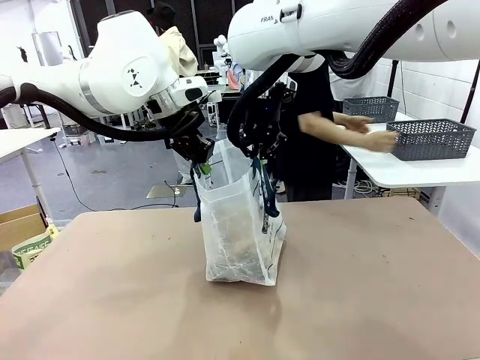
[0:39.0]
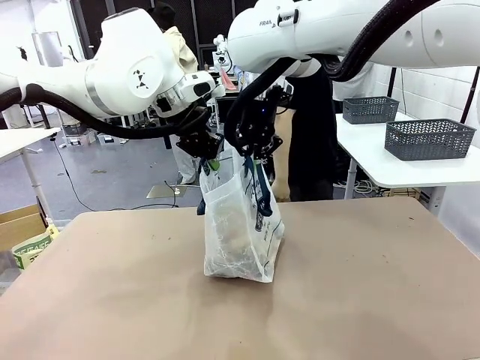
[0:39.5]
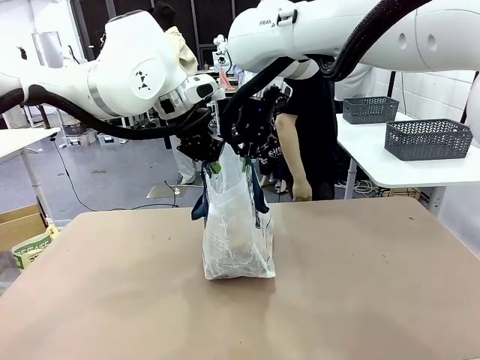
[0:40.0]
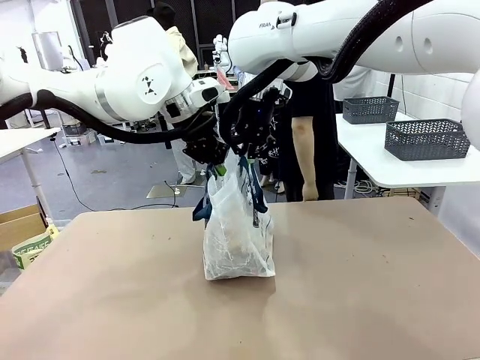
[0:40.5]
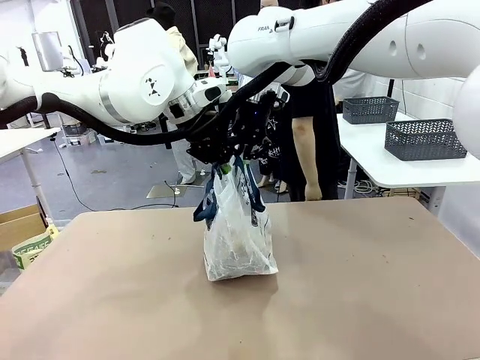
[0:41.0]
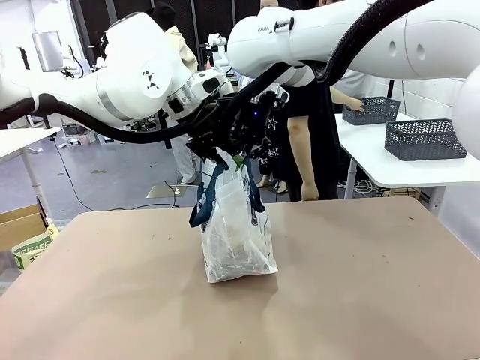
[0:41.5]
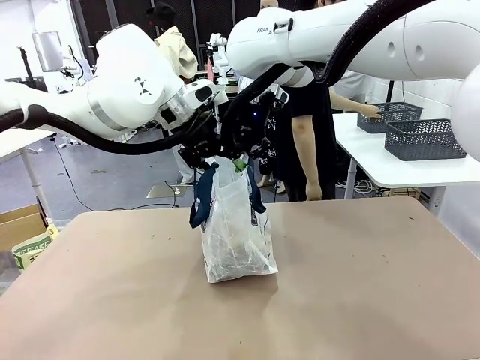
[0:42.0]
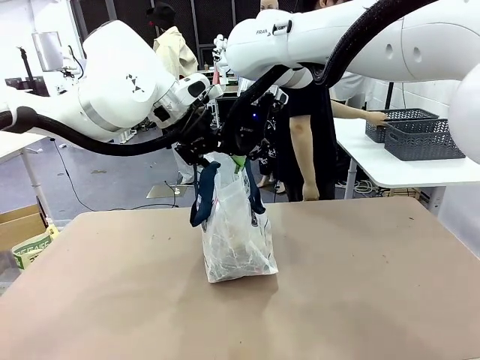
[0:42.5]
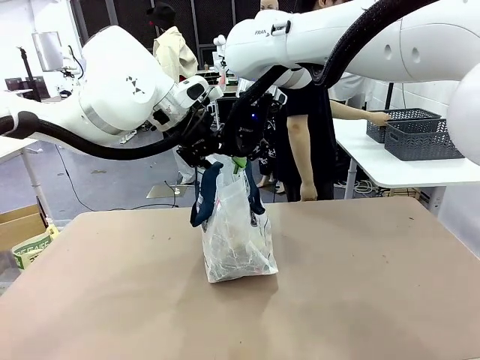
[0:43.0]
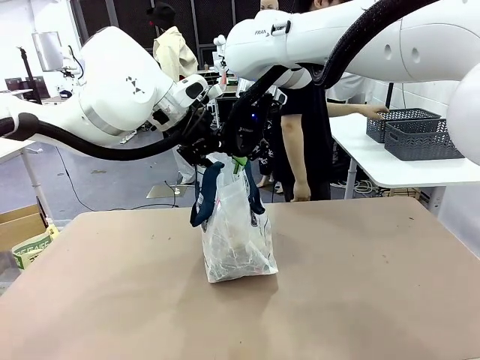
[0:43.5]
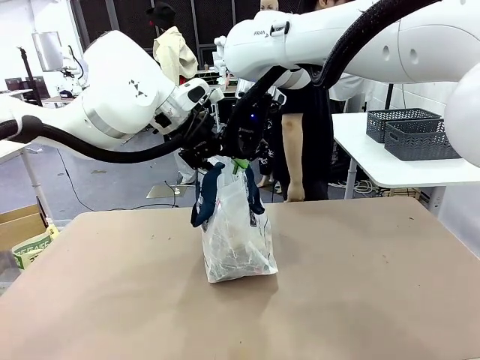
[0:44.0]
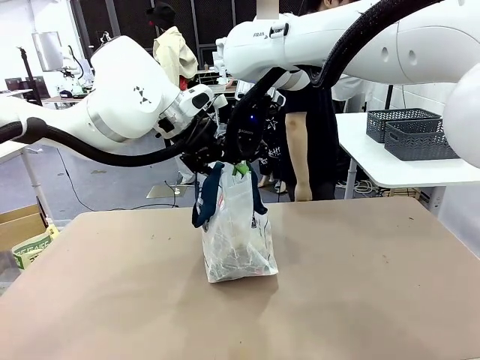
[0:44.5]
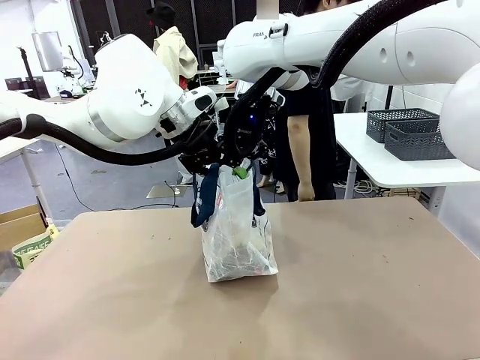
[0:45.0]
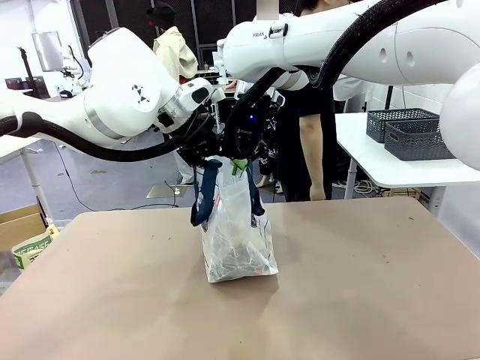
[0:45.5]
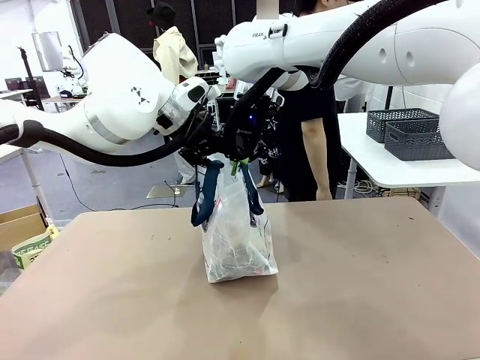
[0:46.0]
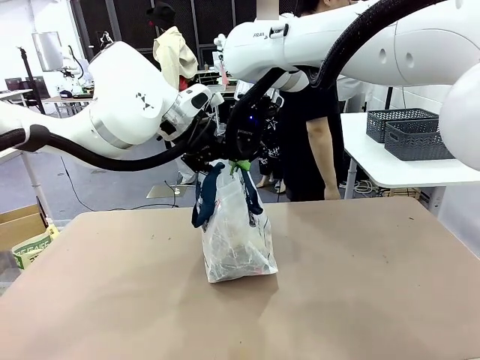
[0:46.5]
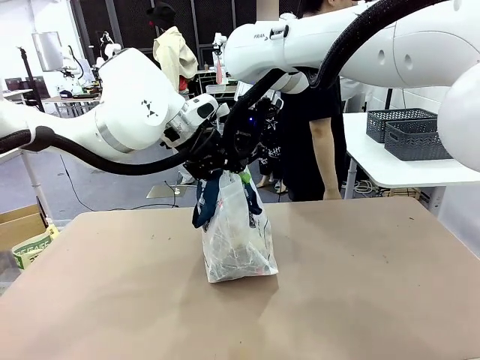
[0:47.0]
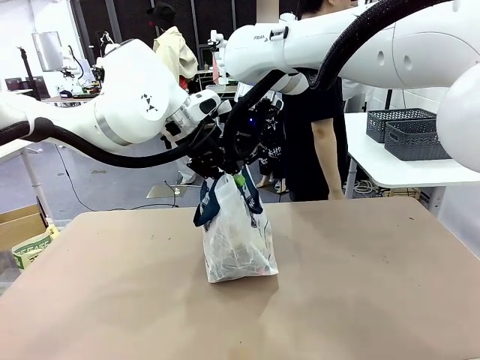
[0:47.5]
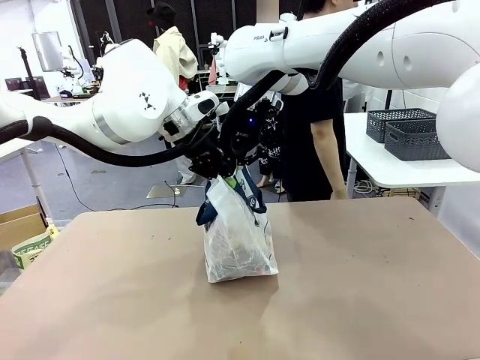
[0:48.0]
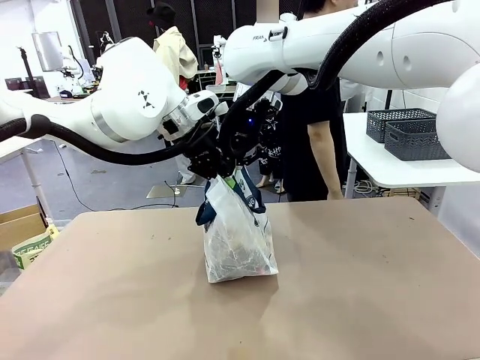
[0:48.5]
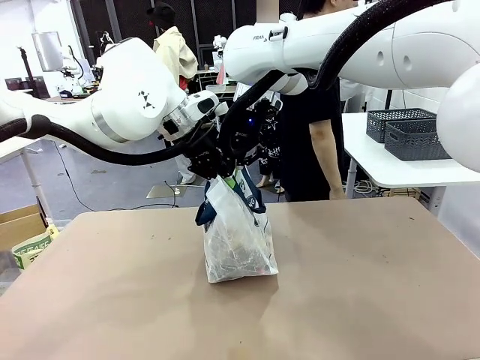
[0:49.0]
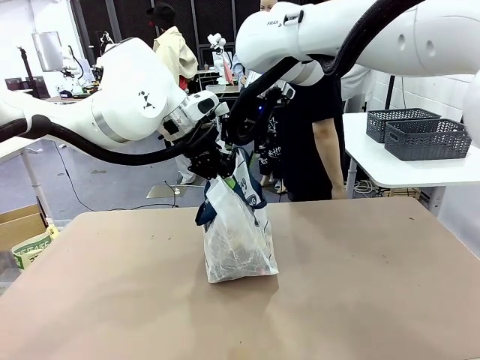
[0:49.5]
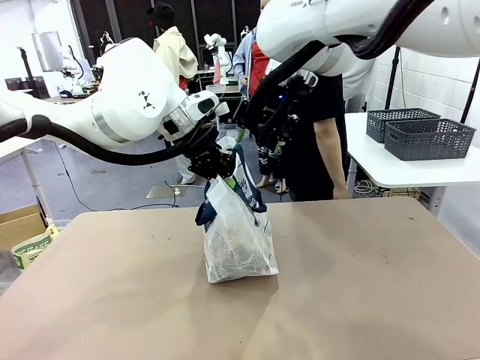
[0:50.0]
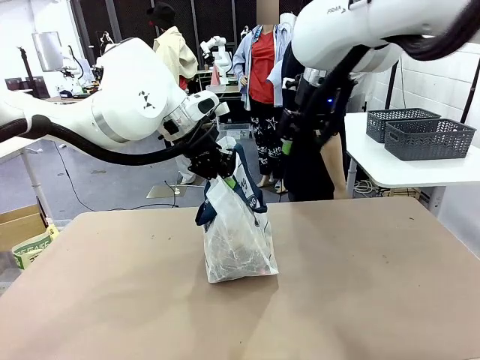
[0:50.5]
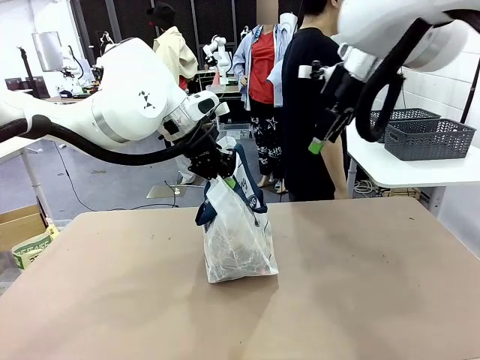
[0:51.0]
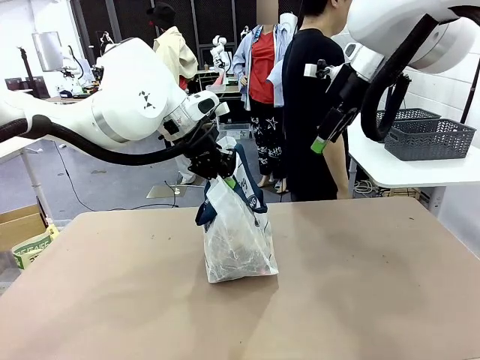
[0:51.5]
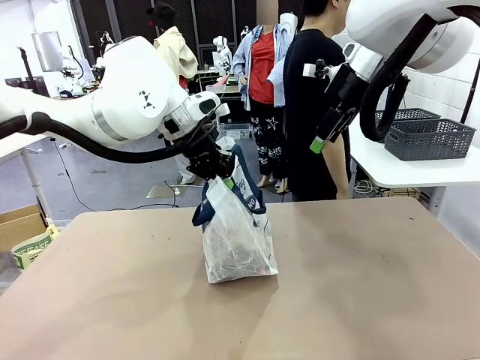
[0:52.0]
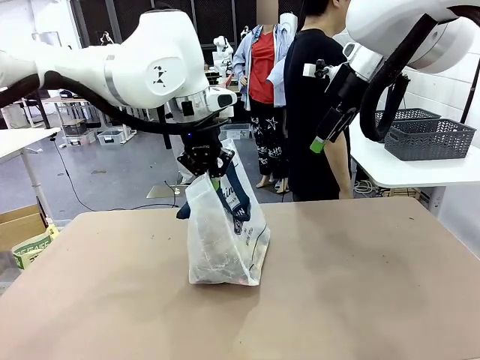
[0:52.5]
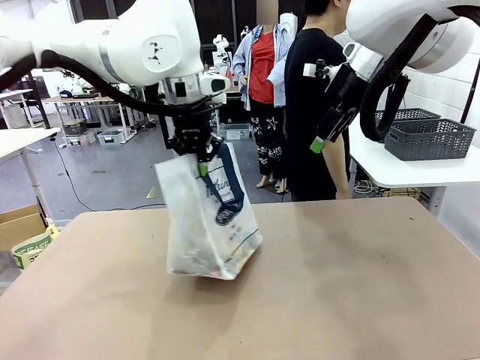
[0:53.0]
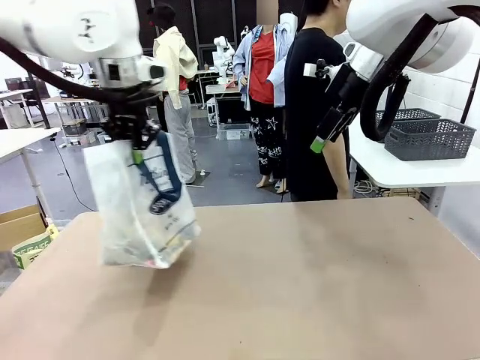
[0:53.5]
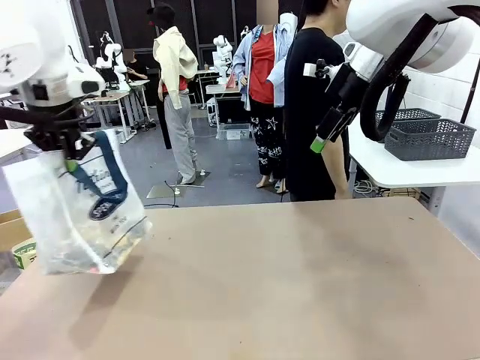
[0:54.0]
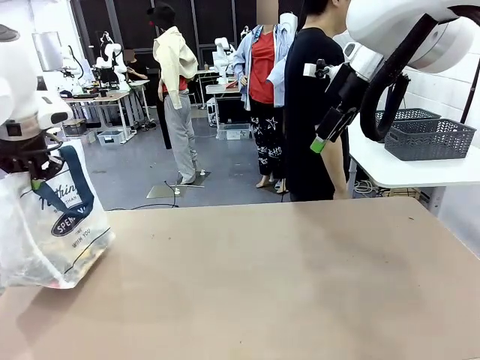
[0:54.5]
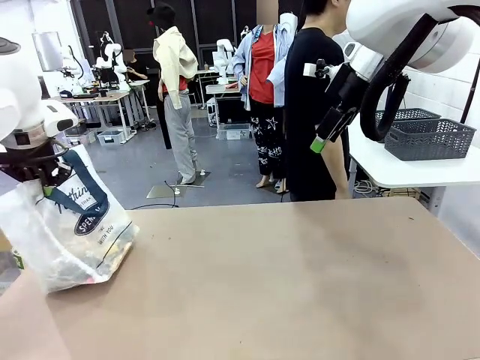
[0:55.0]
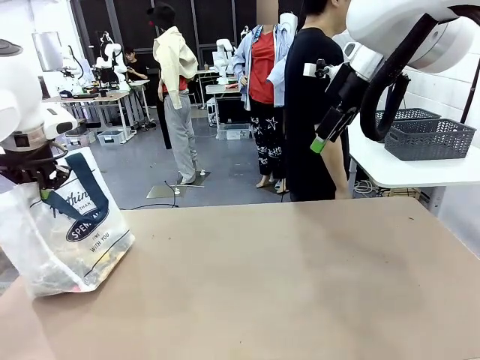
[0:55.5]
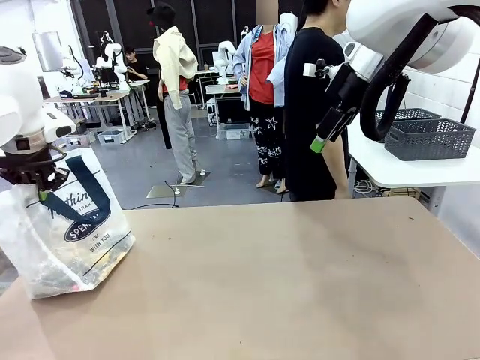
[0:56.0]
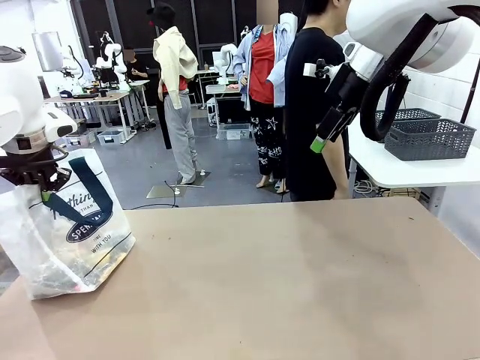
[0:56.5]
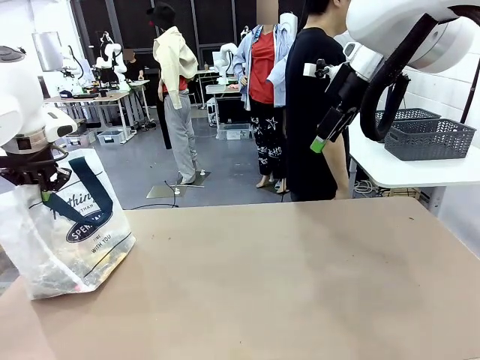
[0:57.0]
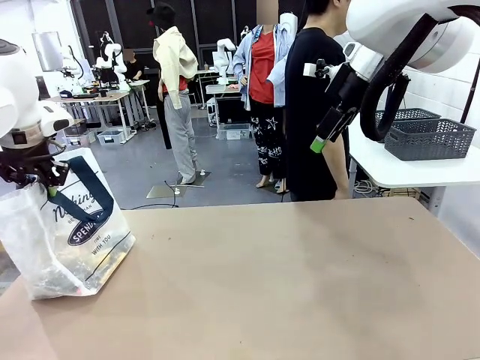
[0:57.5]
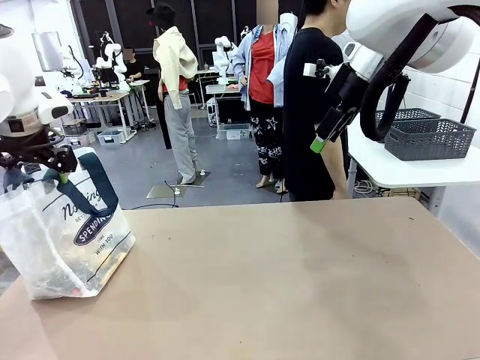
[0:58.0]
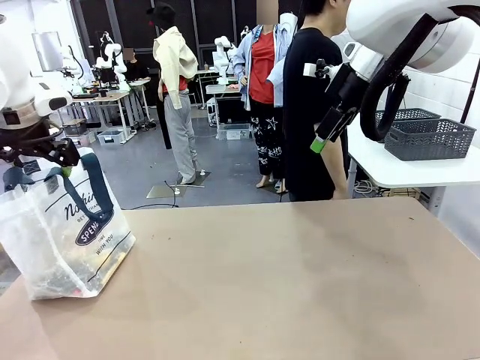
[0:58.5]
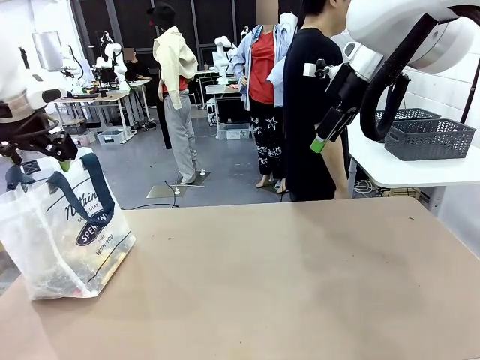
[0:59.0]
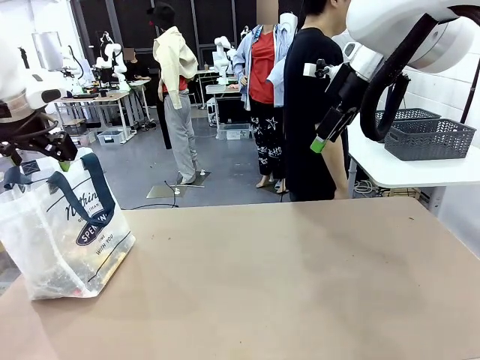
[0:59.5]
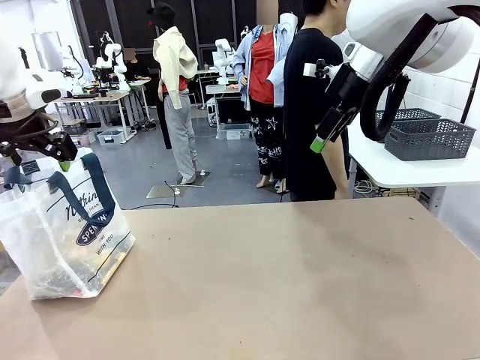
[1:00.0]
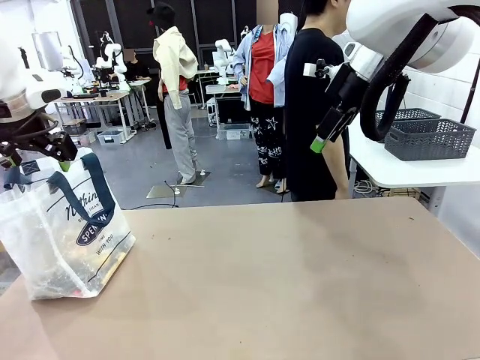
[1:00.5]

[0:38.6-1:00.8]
Task: Transfer purchased items from the store into the shopping bag.
Robot: Move the Reusable shopping bag to the right side of the table.
Person: Move the basket on the left to the middle of the person's table.
